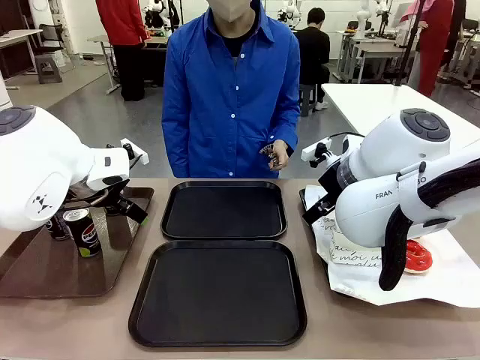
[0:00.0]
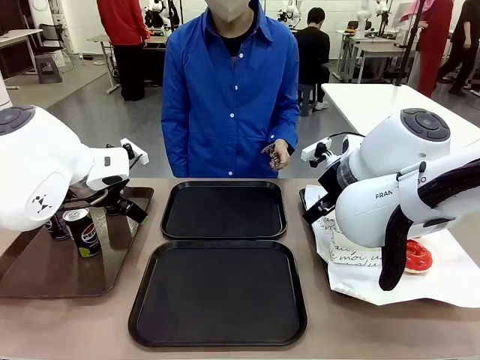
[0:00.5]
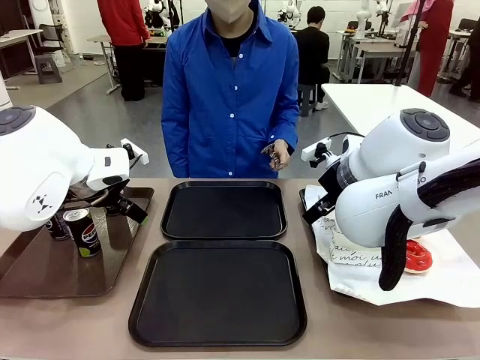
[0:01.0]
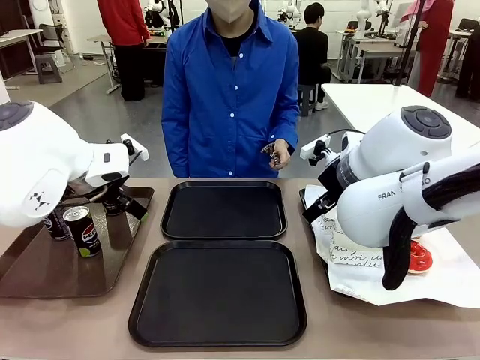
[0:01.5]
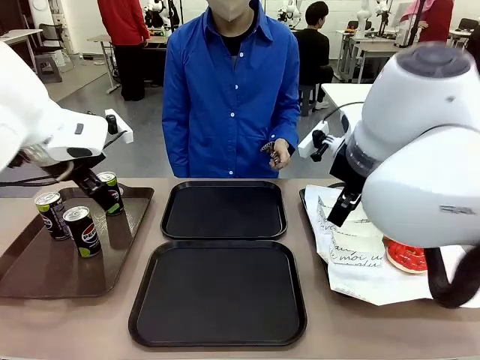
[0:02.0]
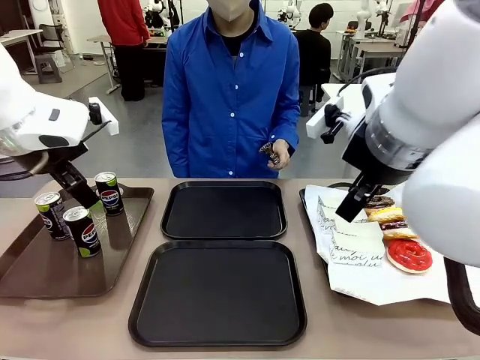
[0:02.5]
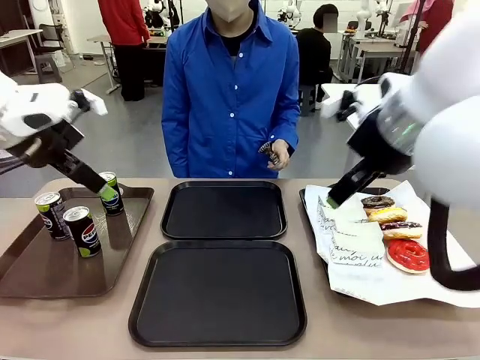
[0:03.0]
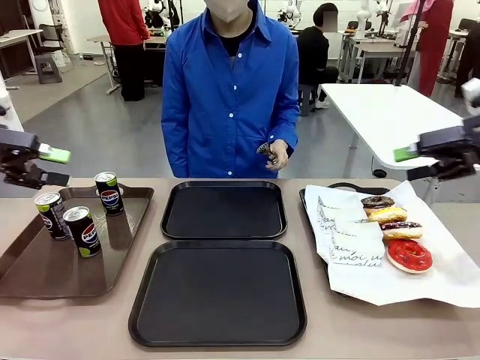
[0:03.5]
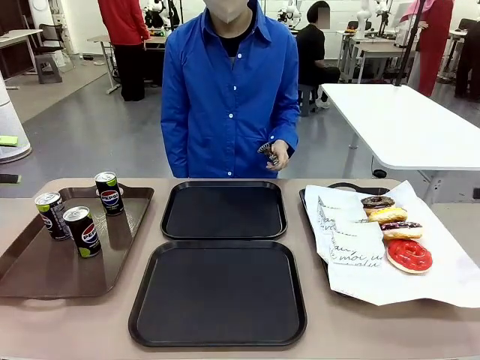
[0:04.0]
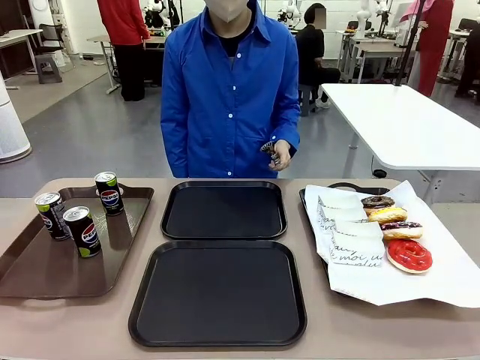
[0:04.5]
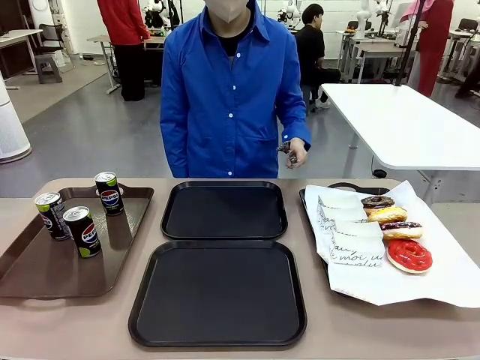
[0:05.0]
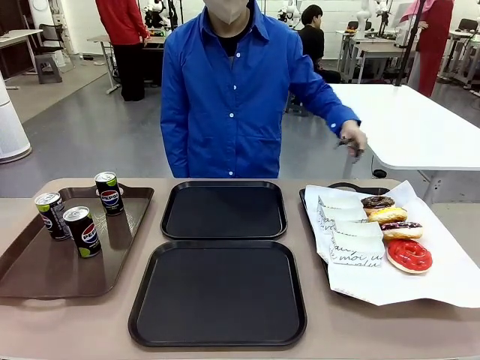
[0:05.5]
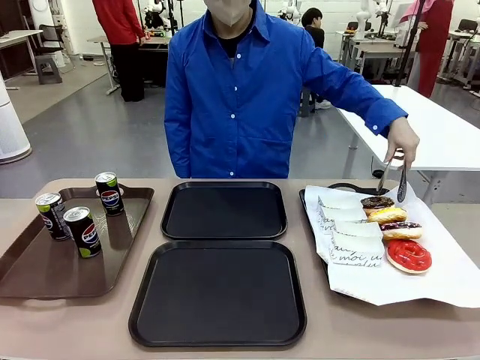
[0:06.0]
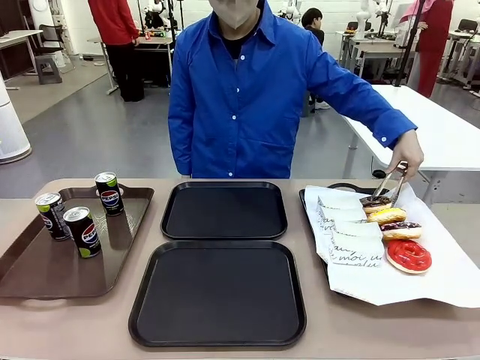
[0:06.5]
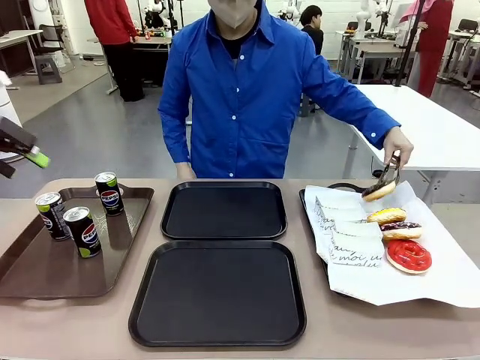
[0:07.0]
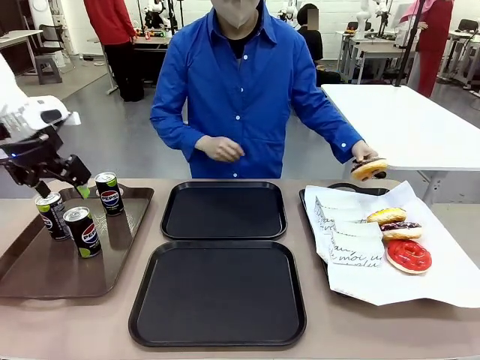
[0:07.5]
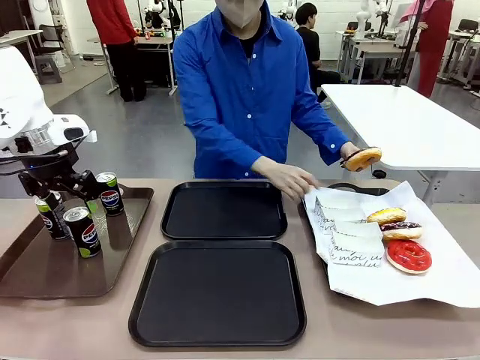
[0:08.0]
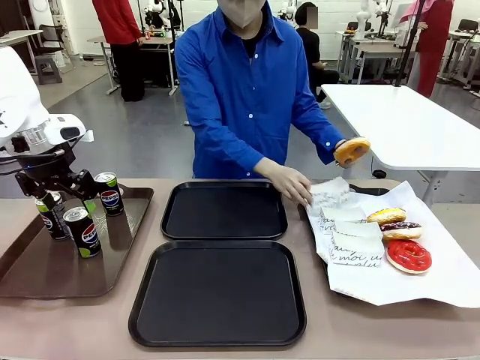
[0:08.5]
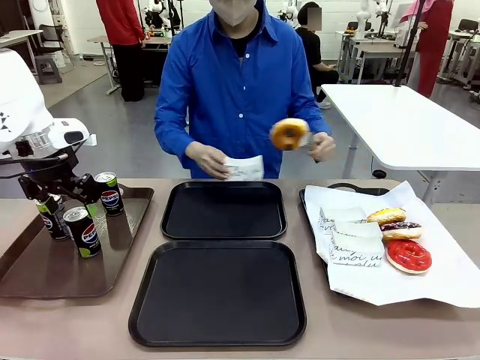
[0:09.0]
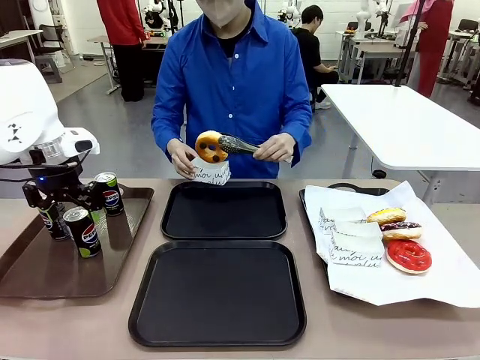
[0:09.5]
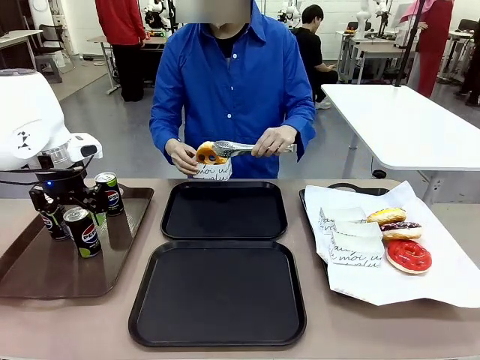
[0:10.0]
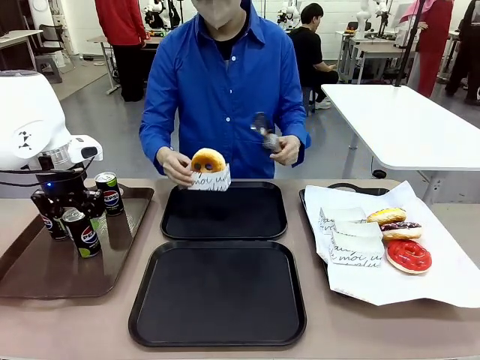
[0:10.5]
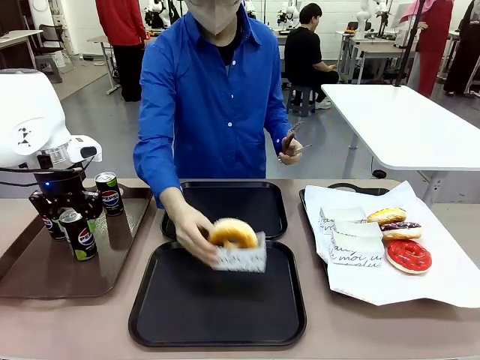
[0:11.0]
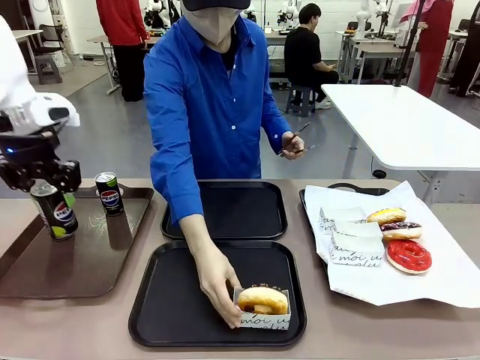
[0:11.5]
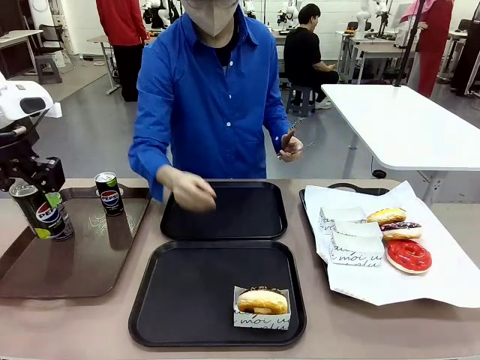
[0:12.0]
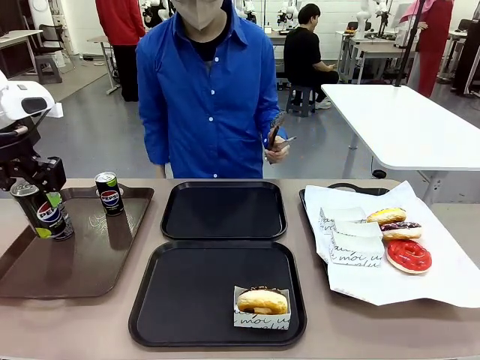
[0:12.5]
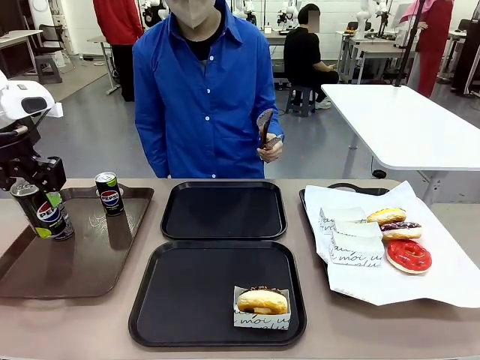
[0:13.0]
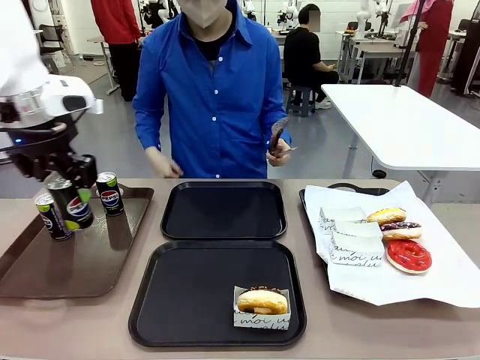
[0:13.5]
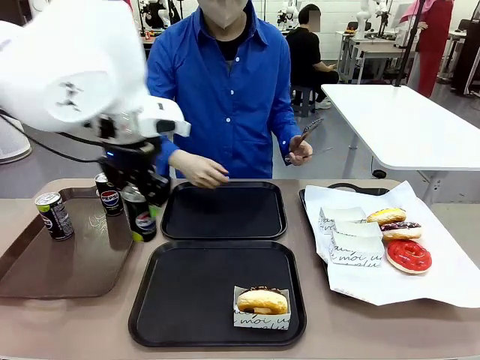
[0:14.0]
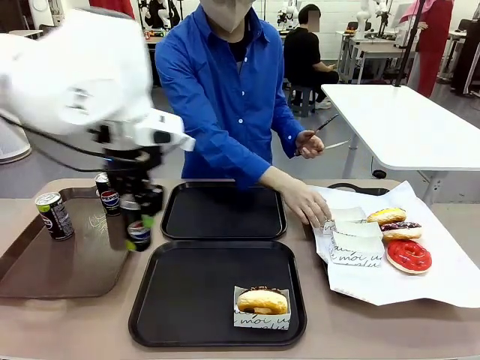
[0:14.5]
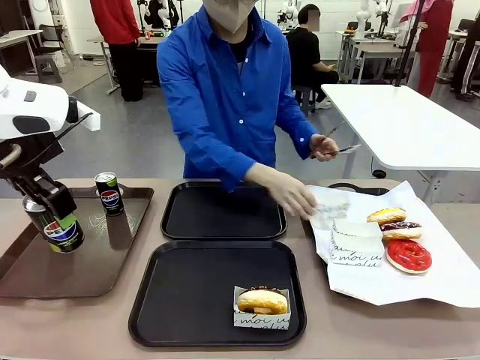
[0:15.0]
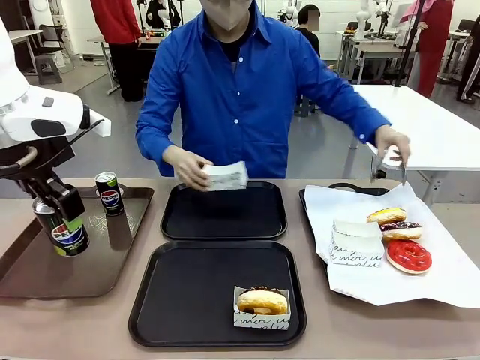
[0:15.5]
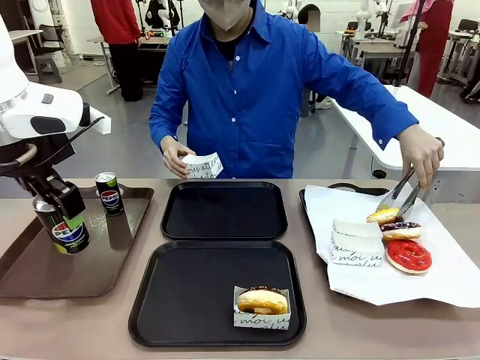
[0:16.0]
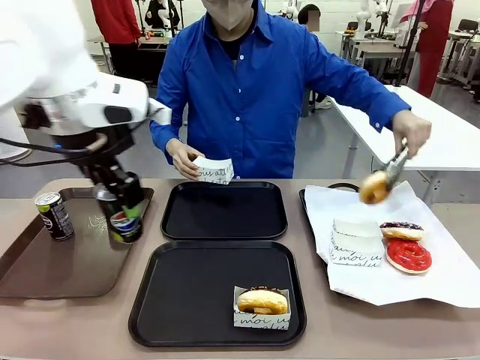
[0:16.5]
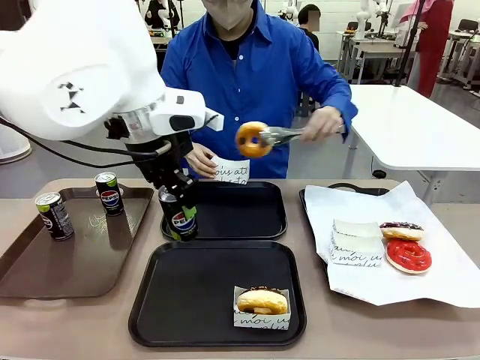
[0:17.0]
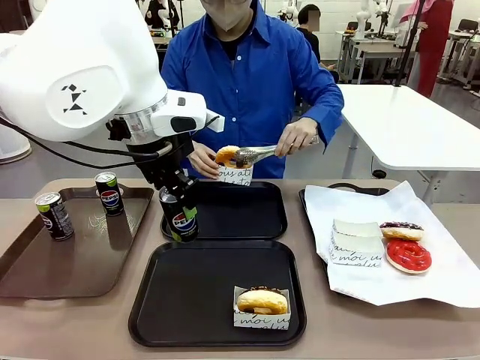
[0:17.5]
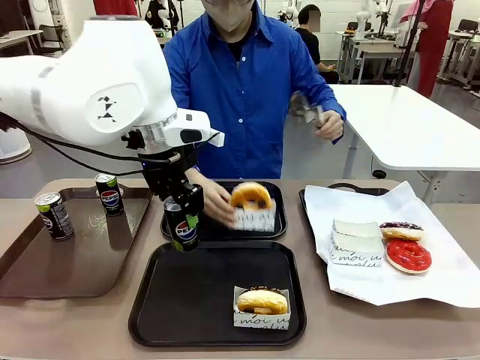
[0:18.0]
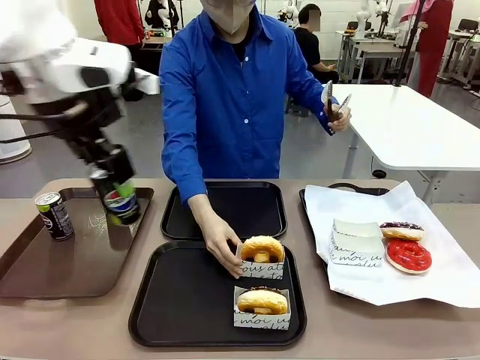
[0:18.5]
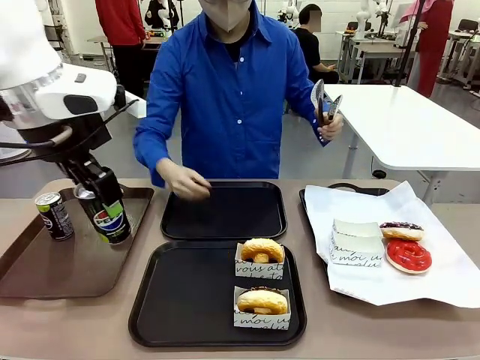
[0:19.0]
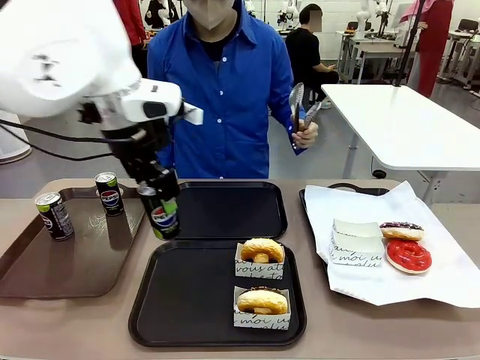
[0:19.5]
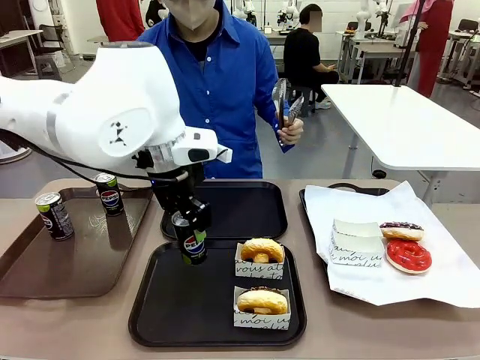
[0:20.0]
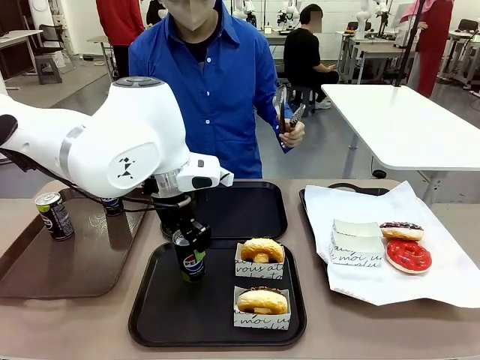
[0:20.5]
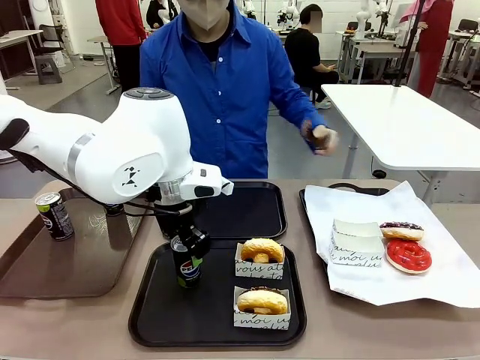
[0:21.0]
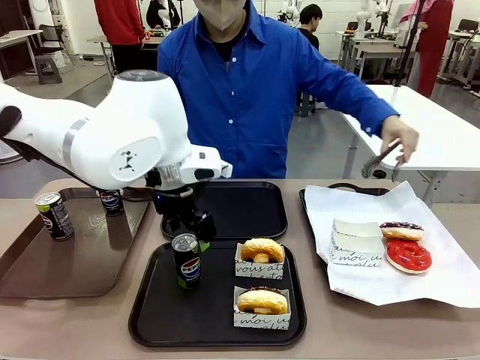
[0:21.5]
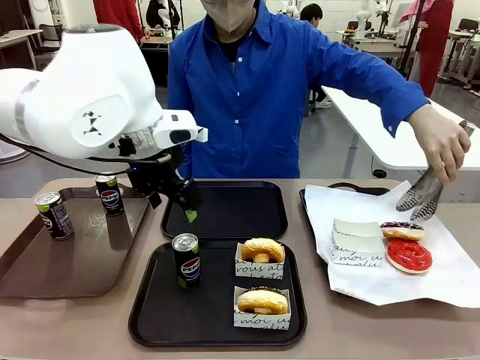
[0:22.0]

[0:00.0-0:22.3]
Task: Set up donuts and drinks on trays.
Robot: Pick up one Pepsi coke and place it on the Flat Tray.
Person: Pick up one donut with tongs, place it in the donut tray, and then place the donut tray on the flat tray.
